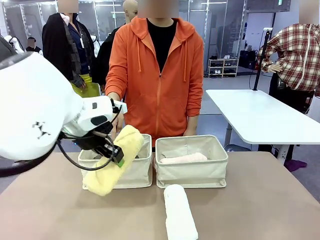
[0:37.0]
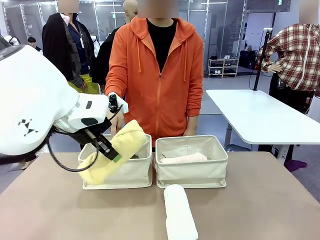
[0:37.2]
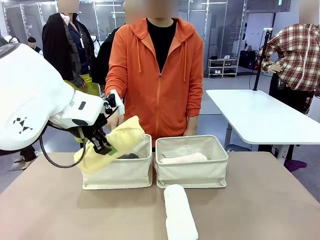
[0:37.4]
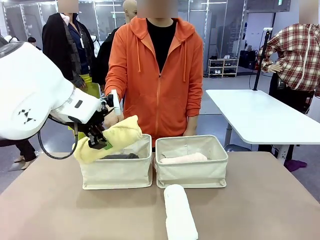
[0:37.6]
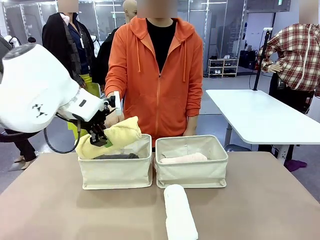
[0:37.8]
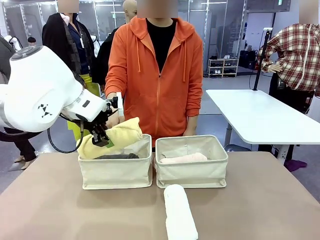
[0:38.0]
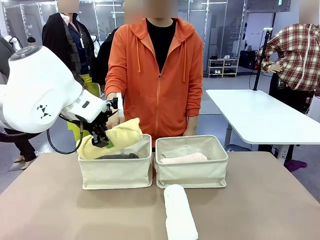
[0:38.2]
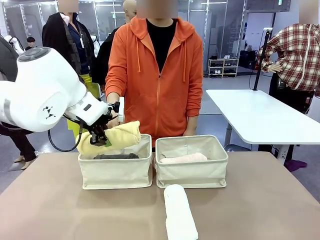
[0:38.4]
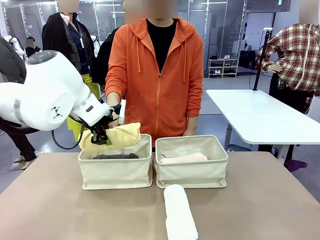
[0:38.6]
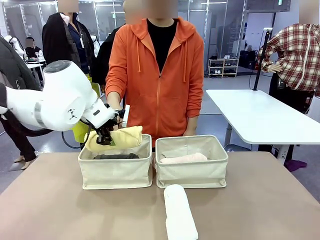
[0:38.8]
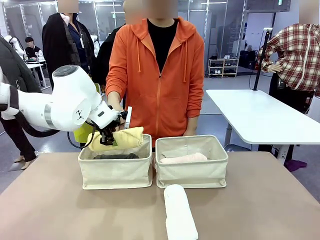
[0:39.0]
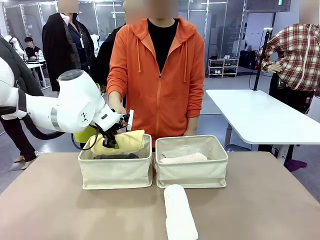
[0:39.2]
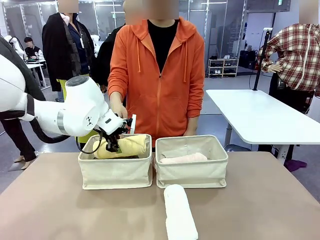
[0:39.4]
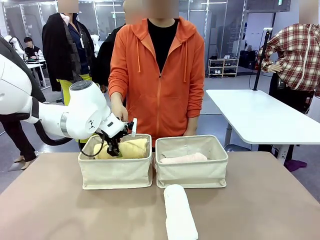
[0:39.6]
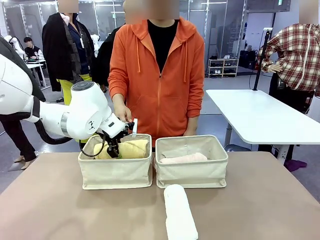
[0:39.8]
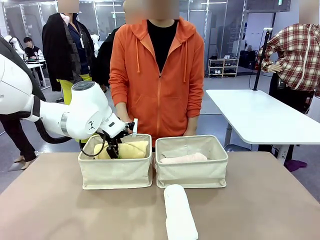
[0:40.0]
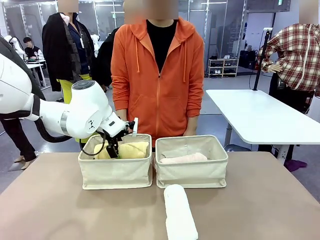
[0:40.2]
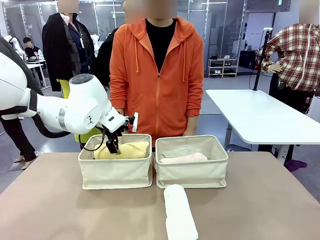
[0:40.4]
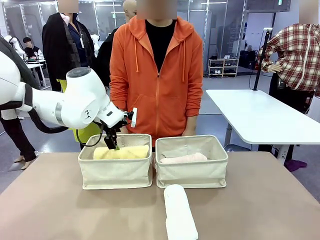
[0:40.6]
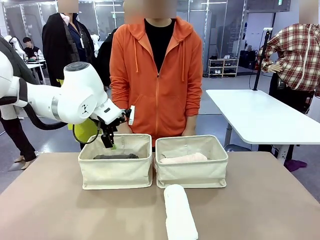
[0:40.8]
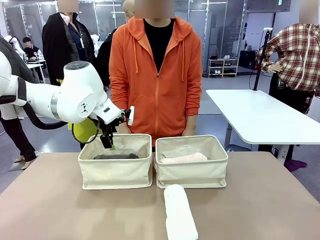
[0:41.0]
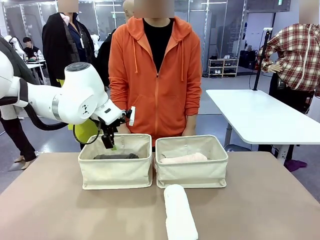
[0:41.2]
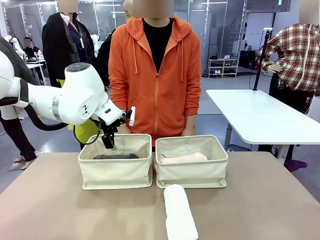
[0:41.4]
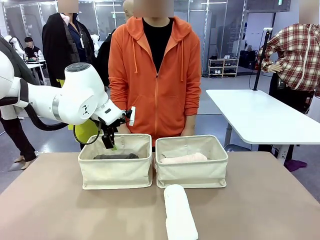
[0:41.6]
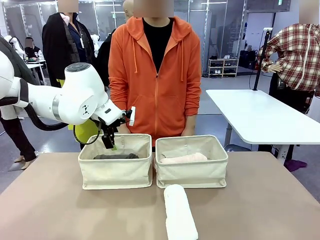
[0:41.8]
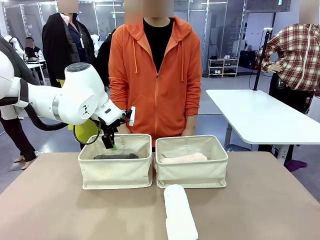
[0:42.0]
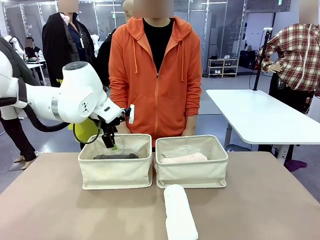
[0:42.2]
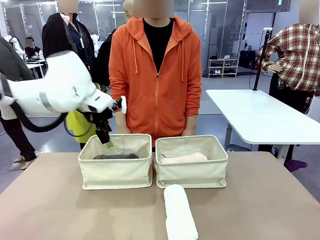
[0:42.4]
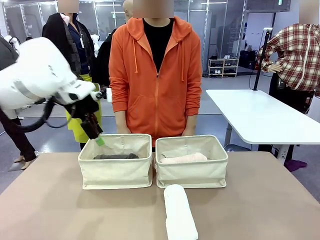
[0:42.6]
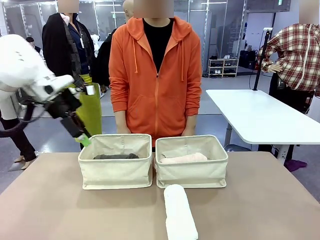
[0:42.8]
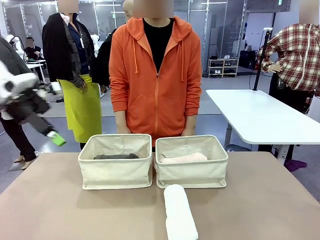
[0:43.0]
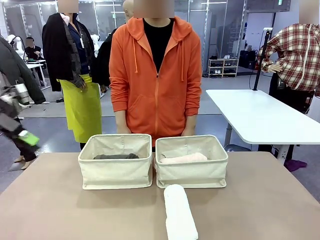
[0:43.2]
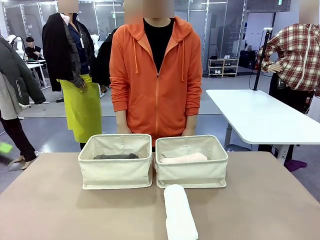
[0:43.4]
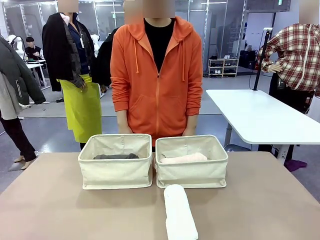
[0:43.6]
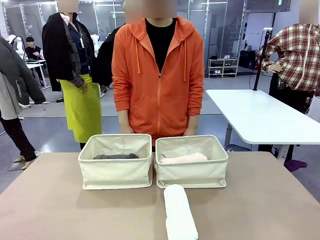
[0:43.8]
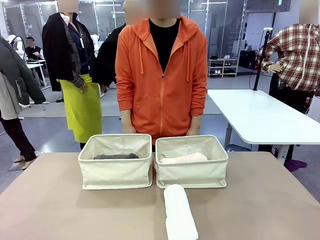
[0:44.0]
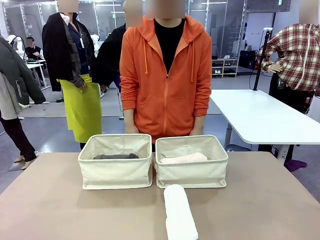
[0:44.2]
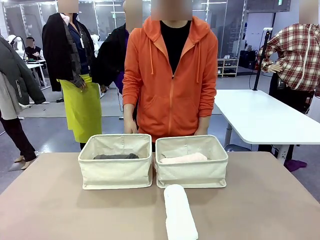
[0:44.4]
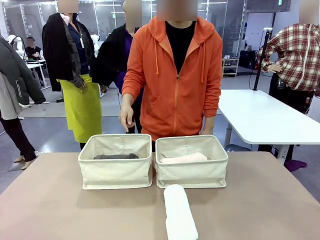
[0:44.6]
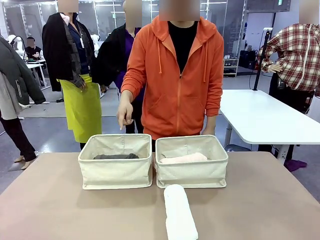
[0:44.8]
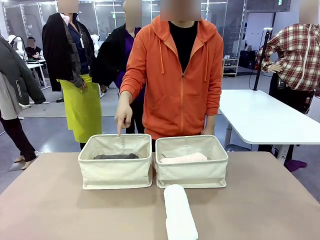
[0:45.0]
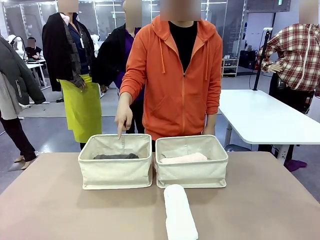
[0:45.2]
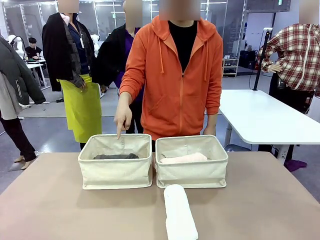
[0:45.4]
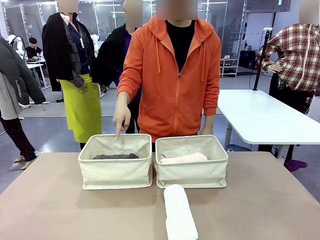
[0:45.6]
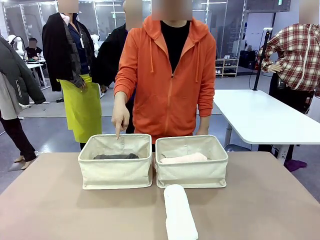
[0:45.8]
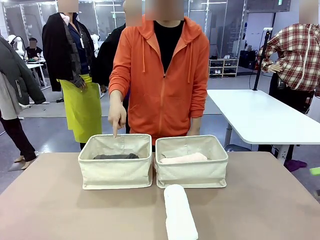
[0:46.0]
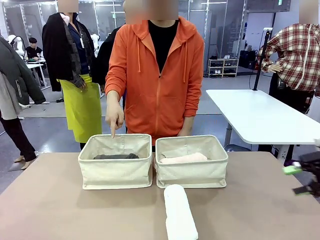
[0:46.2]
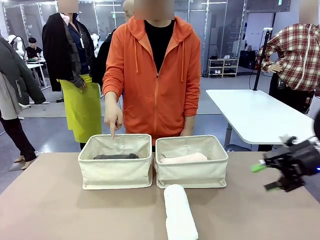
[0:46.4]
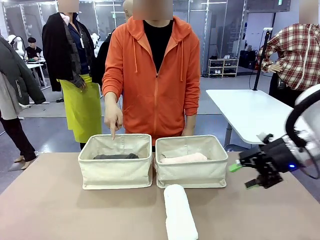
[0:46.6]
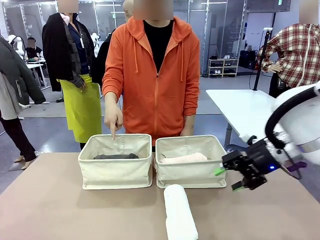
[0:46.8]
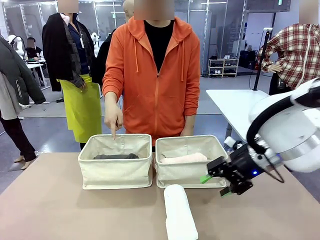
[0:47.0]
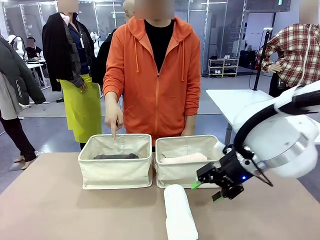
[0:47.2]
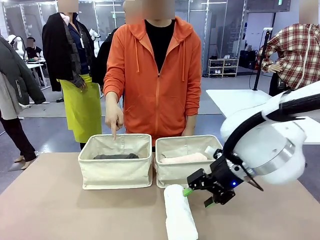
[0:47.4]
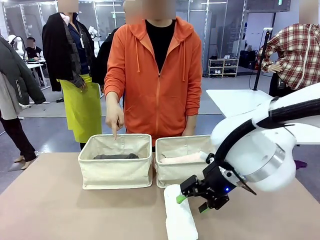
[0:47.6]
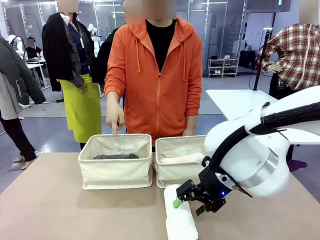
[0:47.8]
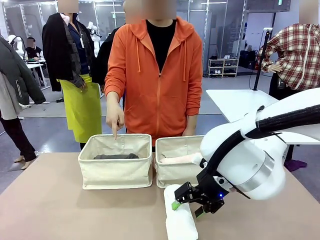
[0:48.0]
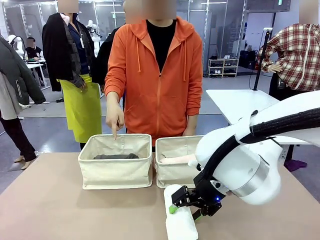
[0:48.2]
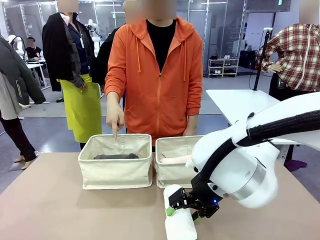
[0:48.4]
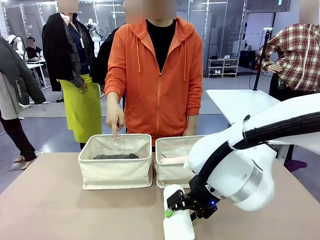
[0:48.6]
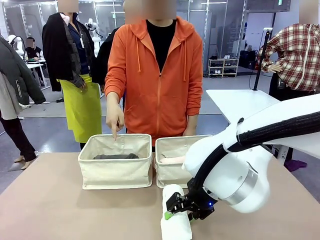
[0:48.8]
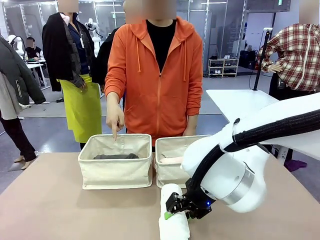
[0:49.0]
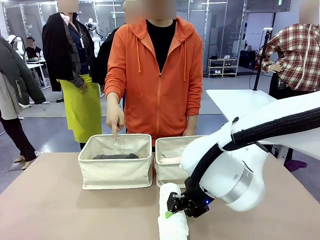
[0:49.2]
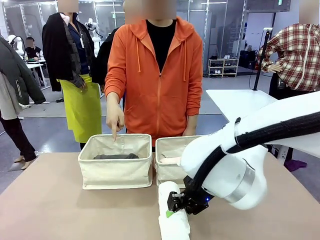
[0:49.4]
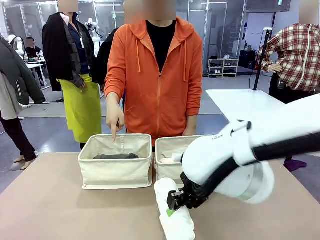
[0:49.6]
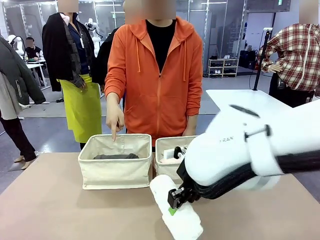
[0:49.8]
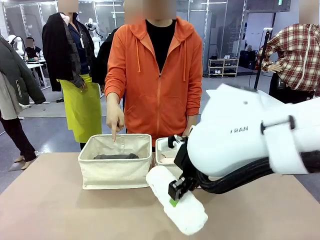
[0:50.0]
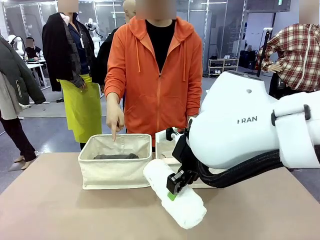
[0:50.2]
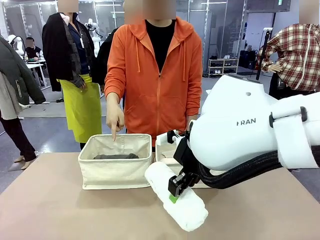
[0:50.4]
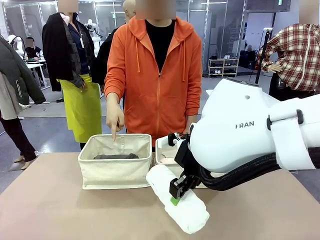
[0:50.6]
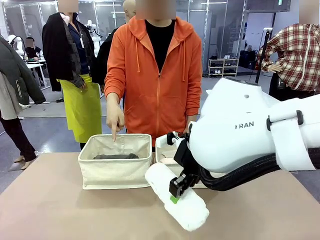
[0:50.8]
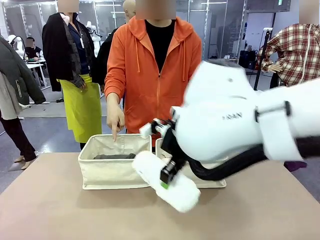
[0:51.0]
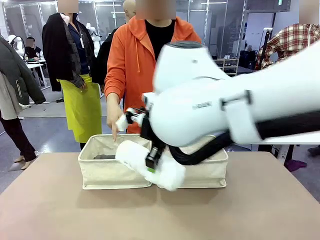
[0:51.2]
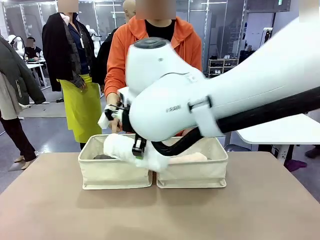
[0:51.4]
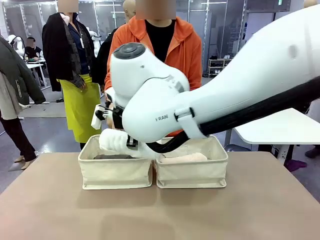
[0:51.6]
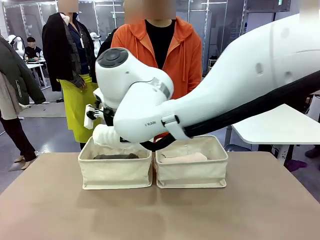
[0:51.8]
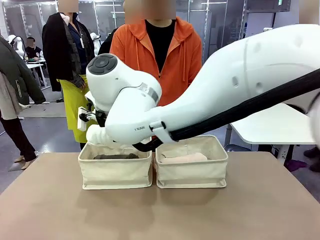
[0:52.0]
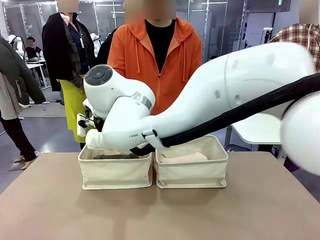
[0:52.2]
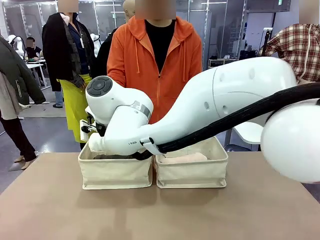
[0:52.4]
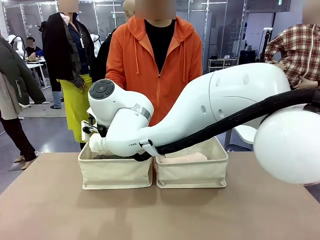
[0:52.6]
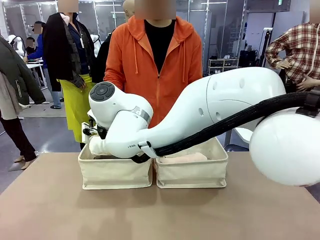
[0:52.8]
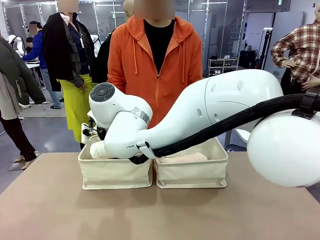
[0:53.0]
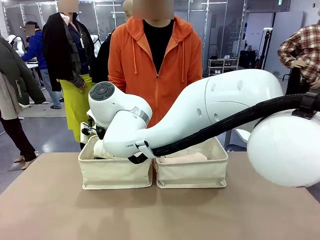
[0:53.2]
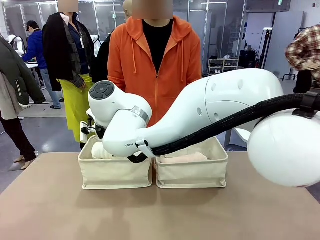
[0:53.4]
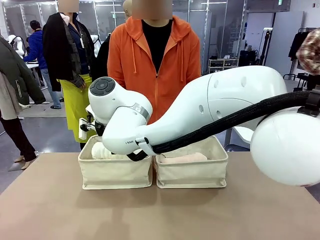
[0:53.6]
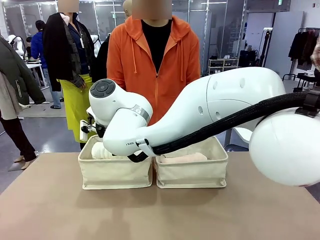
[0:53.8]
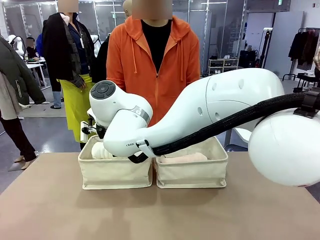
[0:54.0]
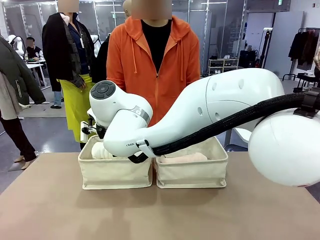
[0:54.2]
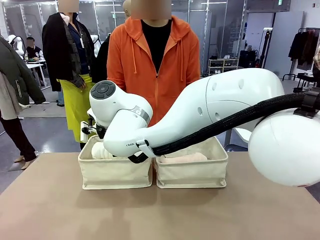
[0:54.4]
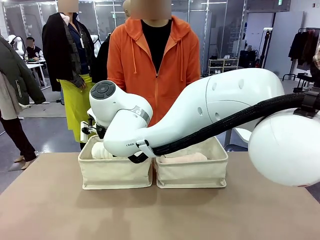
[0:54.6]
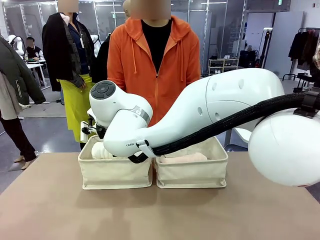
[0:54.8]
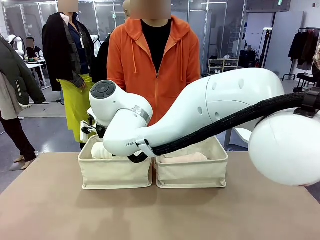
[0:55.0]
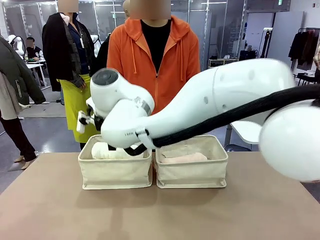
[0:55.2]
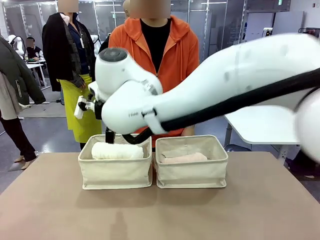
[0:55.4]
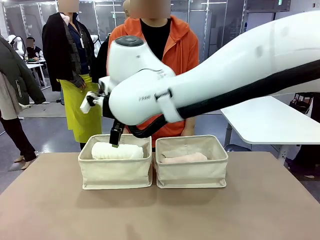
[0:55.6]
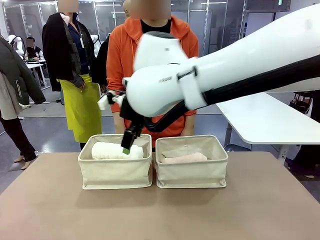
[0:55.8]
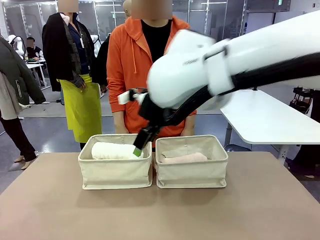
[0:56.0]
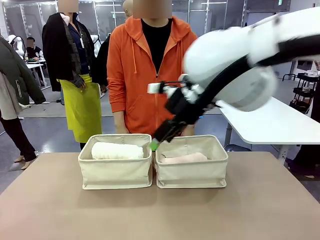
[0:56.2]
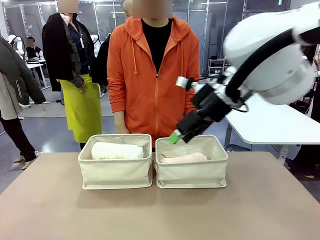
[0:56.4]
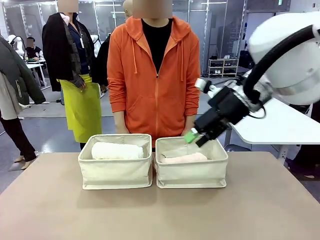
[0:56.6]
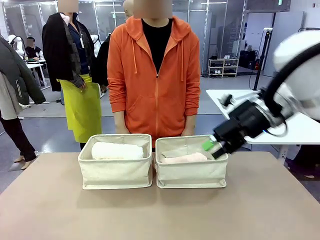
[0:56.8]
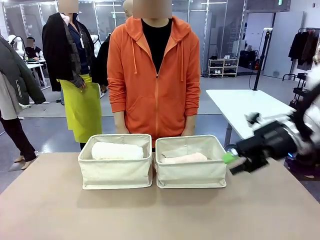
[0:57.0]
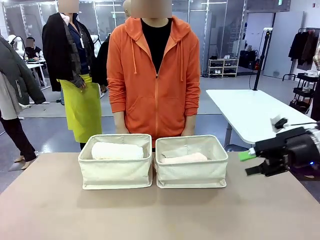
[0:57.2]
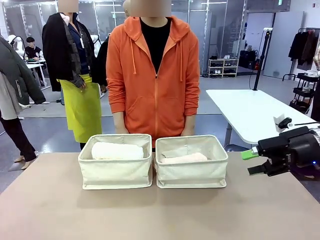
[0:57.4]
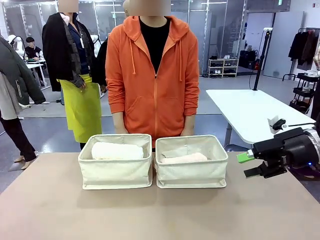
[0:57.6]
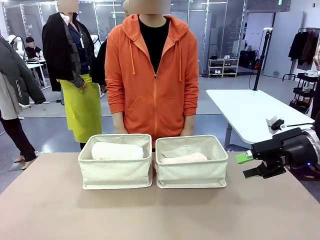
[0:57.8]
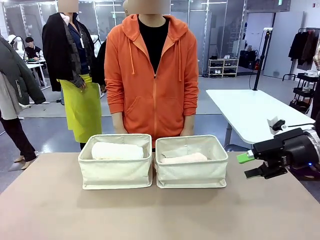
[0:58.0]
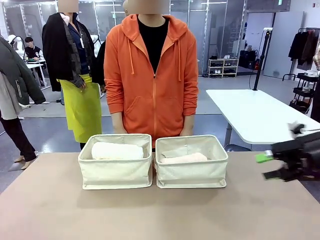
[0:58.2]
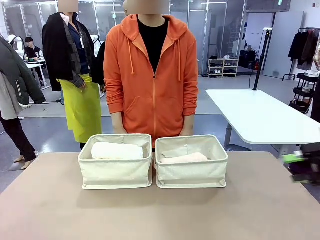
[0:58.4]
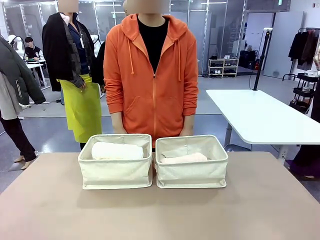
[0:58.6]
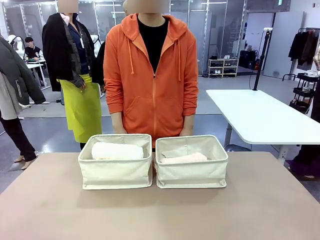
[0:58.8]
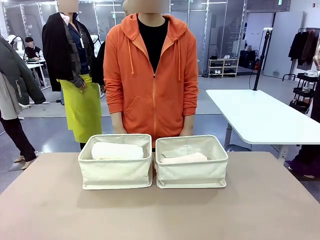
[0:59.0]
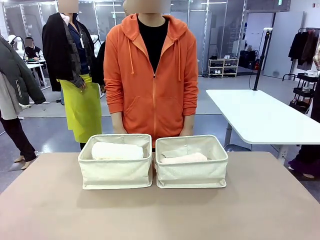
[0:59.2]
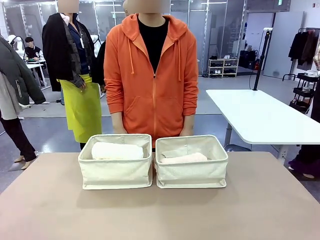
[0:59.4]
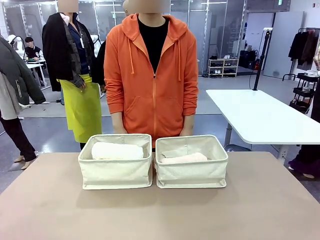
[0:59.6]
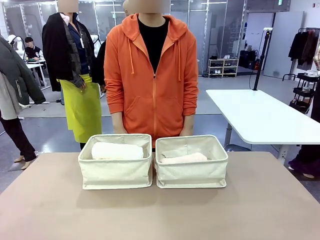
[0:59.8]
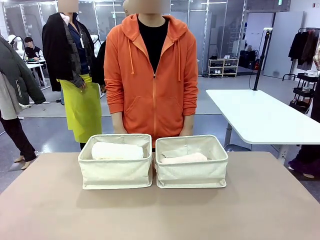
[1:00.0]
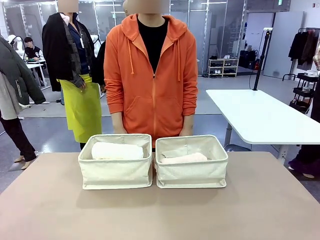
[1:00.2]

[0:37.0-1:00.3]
Task: Divide the towels into two baskets.
Robot: Pick up one hotel-folded towel from the bottom of the table and place it in the Fabric basket indicated by the person.
